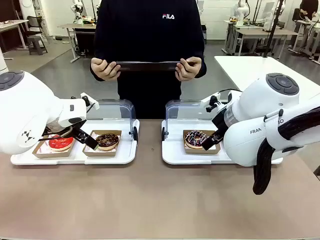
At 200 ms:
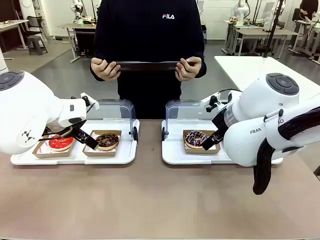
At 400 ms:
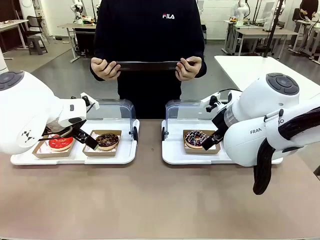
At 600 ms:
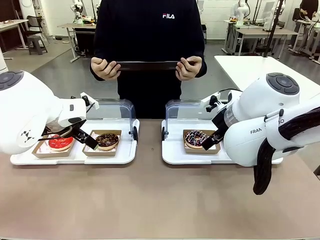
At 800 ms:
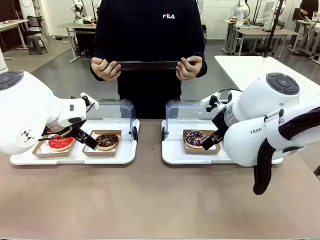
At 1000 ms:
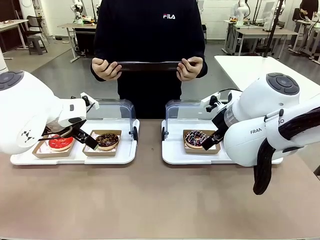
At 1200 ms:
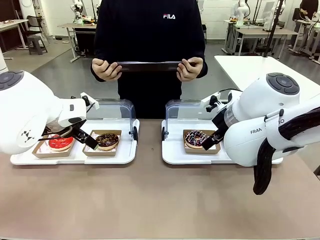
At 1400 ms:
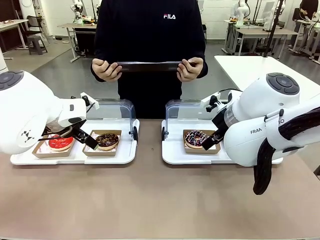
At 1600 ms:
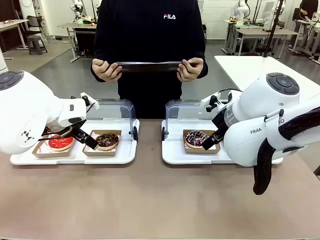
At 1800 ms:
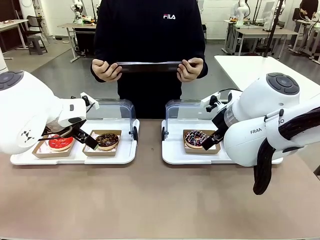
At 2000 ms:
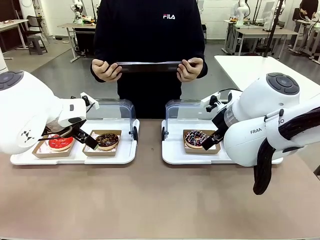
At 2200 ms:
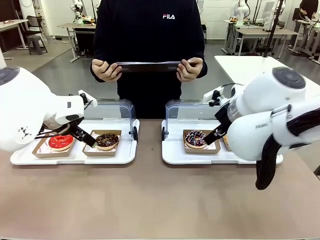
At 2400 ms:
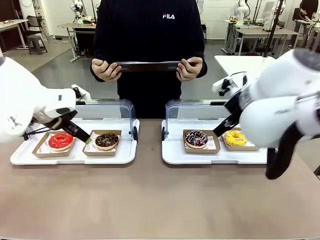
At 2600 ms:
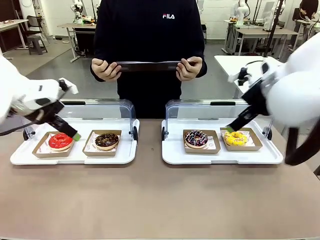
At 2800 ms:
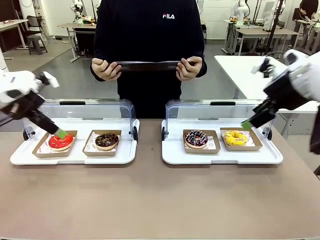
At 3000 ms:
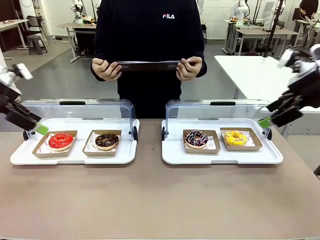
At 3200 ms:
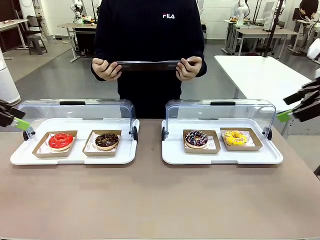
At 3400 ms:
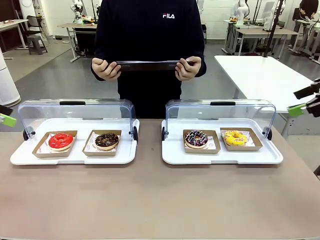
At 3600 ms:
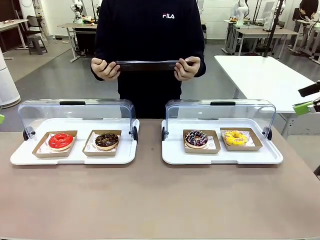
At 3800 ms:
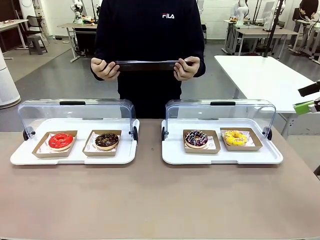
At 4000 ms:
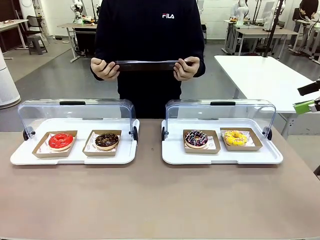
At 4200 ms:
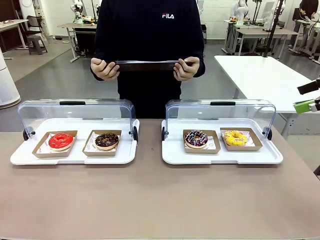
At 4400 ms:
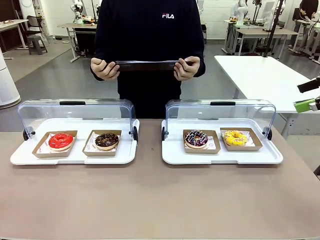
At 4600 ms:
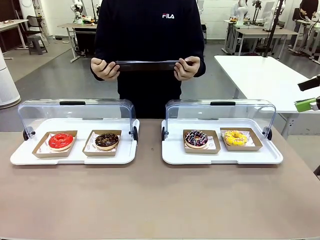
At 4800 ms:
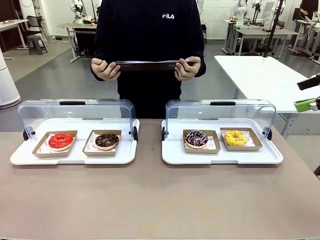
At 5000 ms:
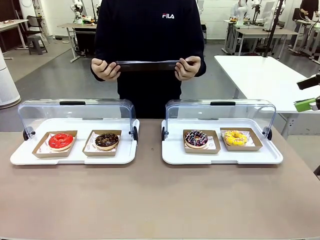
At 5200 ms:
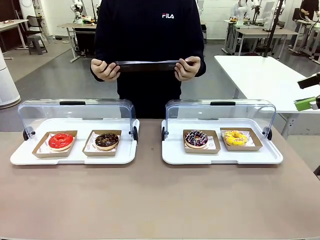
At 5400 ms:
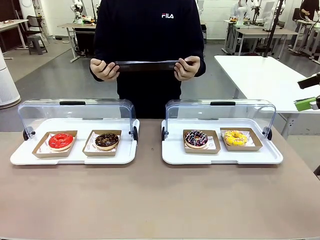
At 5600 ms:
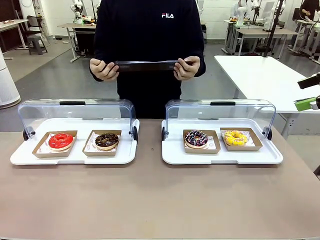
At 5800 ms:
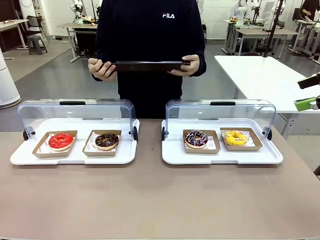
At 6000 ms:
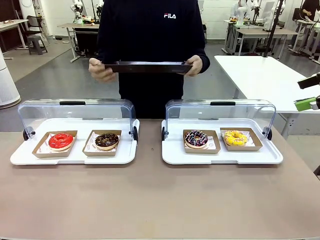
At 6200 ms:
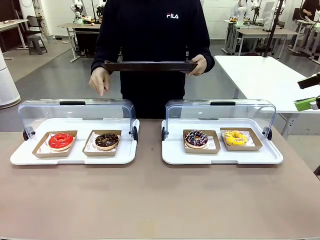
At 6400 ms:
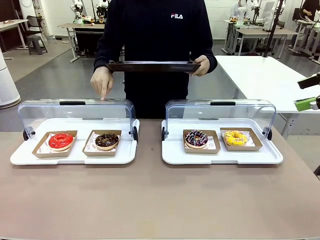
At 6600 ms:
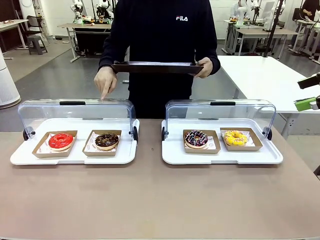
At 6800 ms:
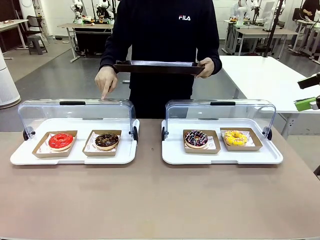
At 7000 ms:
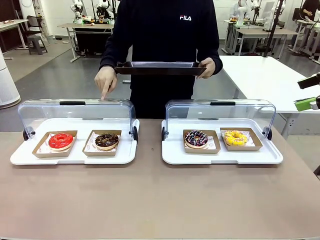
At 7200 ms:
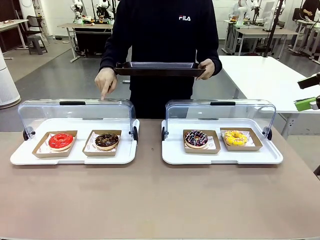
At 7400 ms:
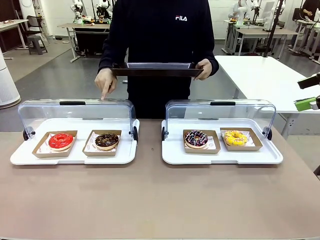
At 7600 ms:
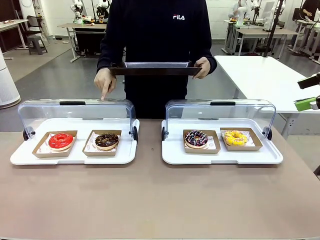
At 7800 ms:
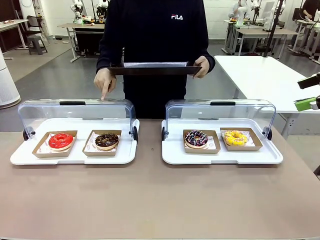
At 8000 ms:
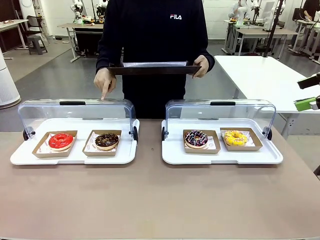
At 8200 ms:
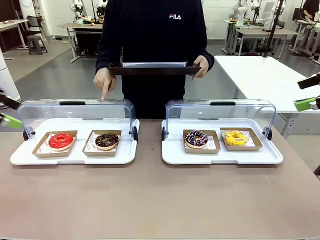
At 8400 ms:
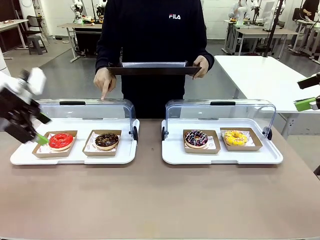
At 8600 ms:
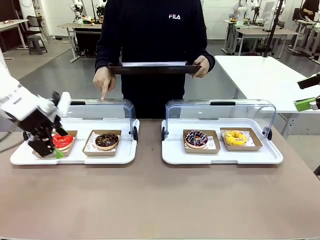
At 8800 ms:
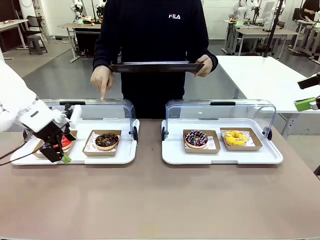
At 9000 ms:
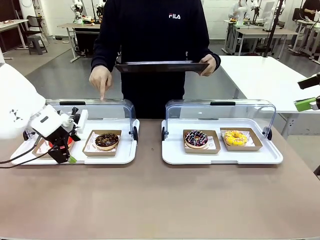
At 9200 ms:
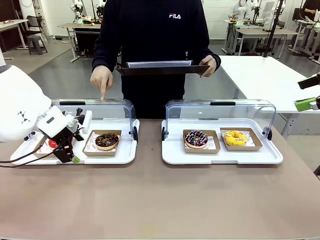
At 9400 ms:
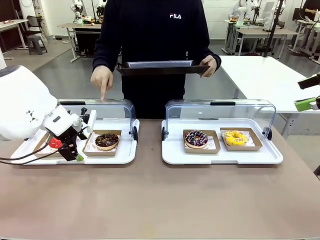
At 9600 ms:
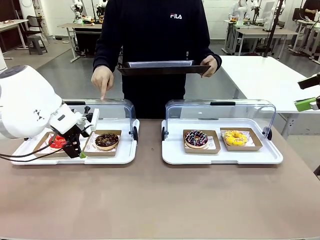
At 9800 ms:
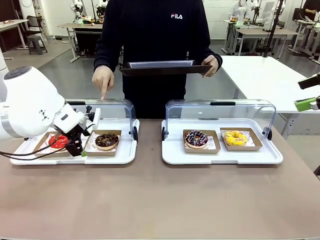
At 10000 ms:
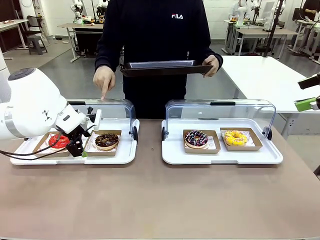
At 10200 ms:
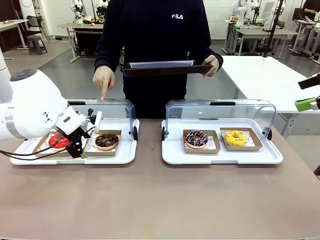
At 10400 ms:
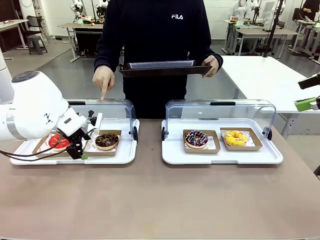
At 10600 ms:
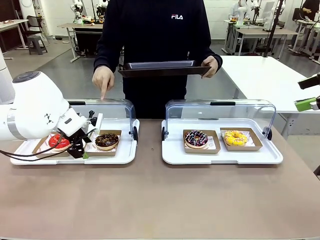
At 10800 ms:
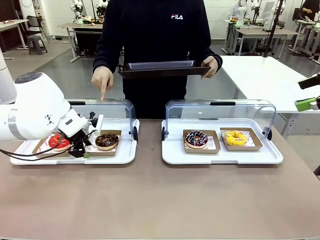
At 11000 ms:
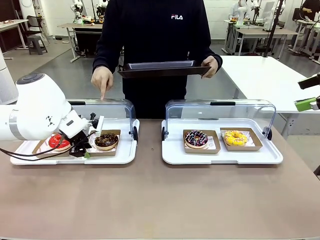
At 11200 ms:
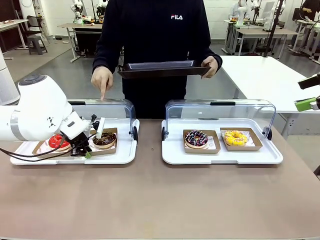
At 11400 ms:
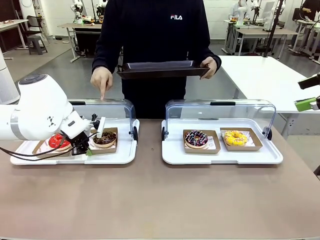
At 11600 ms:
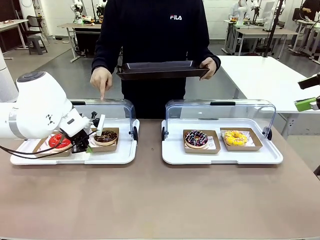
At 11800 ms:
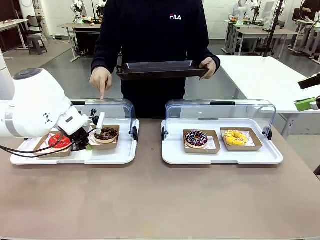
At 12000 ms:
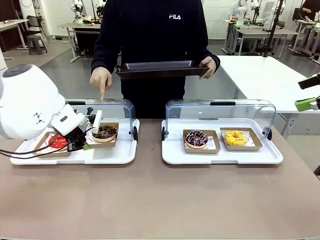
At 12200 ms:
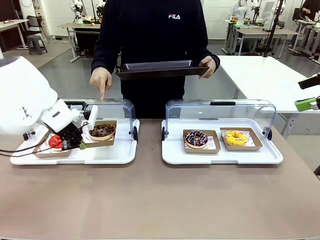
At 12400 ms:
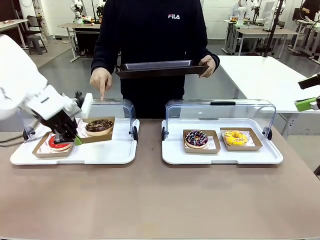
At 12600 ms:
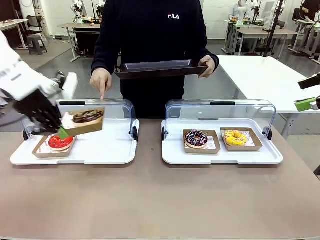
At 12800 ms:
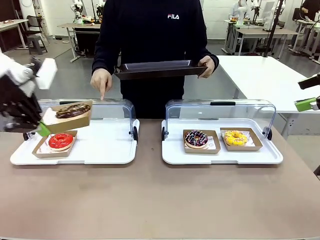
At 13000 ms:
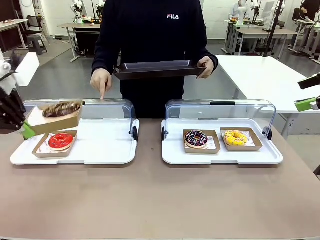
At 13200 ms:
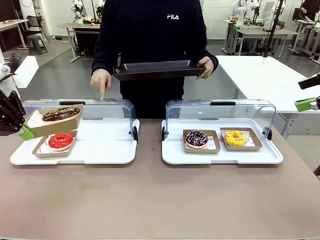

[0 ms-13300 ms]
Task: Provide the desired donut to the person.
Robot: Pick up and lift the Paper togo box containing the Donut pointed at by the person.
Person: Point to one donut. Lift the tray onto the Roll-Top Bakery Case.

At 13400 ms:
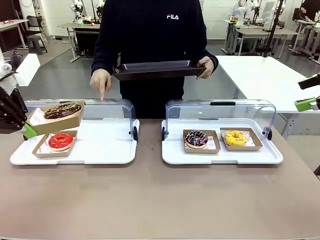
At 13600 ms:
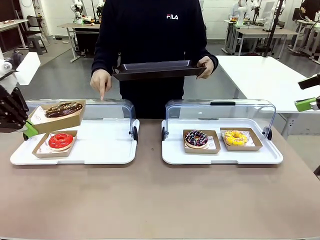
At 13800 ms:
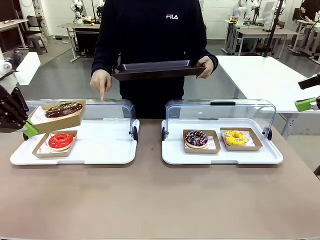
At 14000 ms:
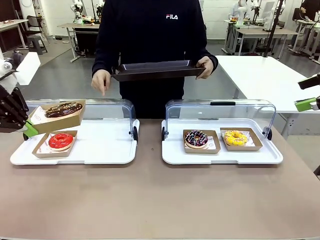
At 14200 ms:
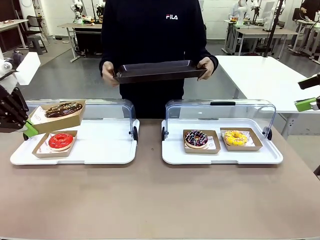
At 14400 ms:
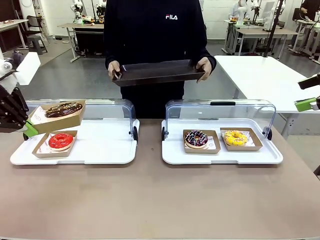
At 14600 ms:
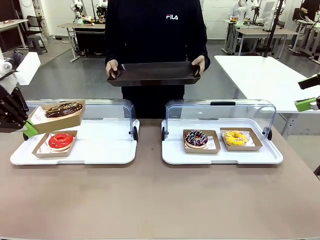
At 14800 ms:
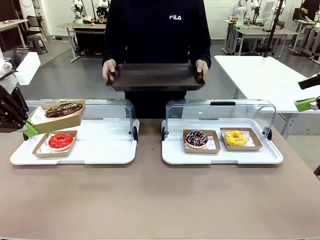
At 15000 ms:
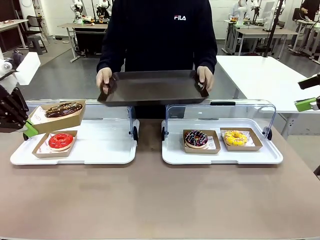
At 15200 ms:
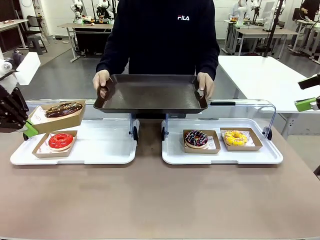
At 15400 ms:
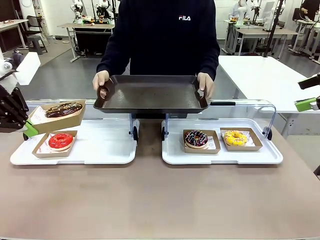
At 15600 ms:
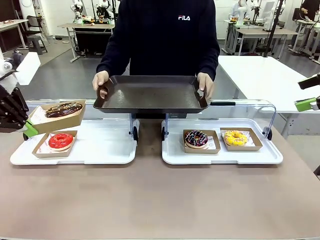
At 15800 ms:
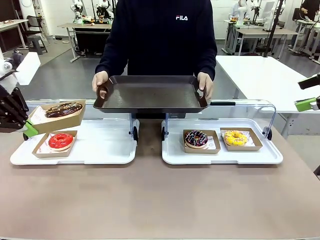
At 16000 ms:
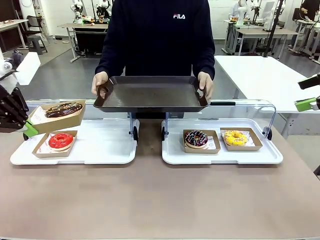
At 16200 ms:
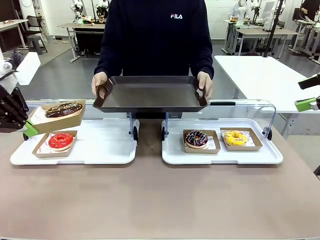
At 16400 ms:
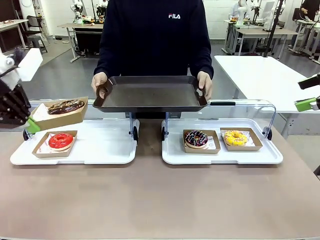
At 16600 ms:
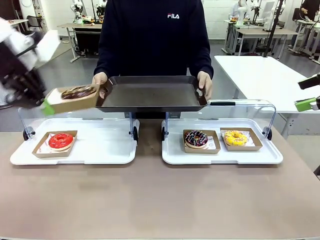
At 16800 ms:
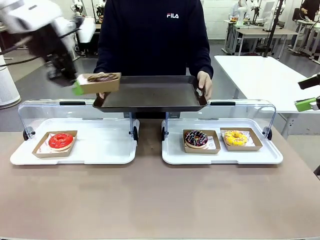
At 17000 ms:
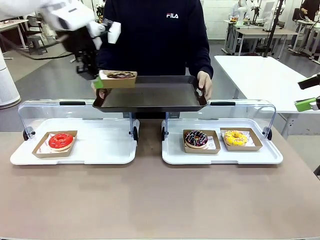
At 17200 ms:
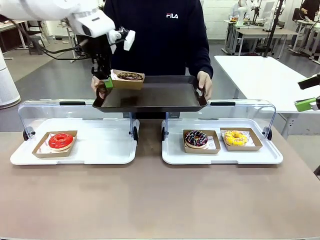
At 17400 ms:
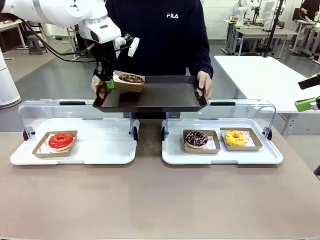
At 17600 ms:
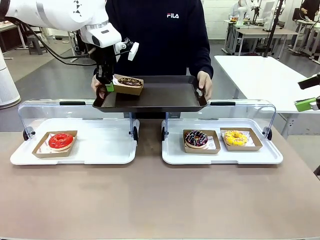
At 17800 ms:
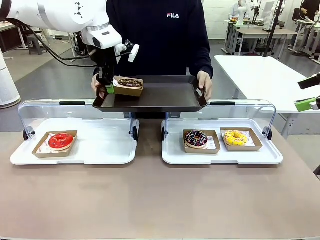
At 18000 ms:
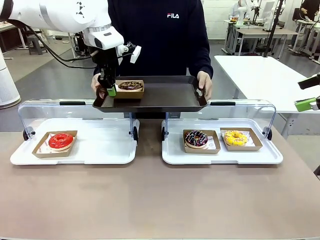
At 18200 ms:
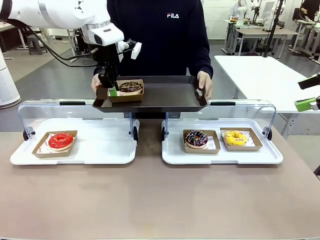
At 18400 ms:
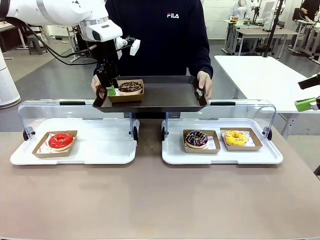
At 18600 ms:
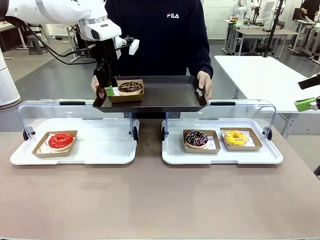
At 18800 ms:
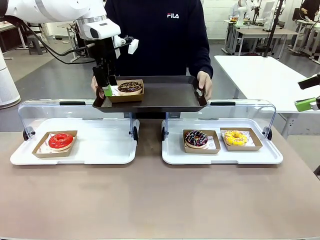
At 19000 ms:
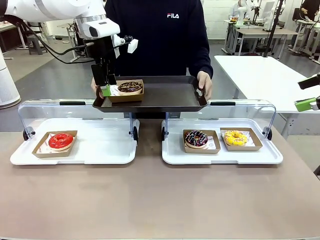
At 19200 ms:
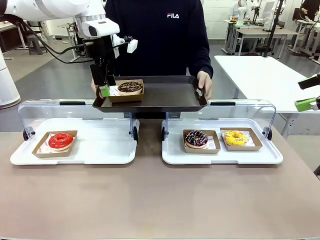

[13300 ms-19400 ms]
Robot: Place the picked Paper togo box onto the Handle tray extended by the person.
